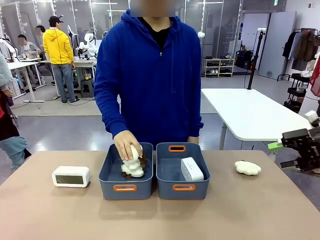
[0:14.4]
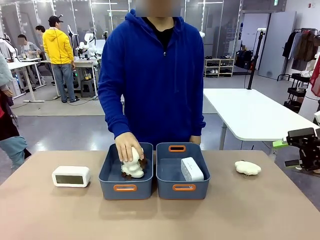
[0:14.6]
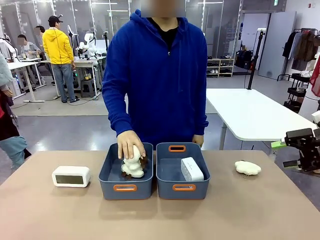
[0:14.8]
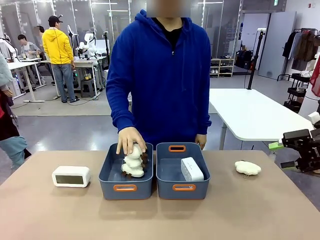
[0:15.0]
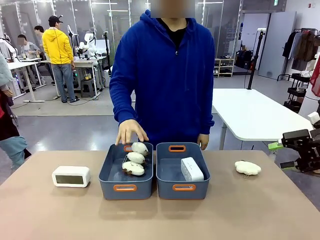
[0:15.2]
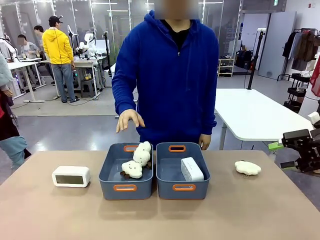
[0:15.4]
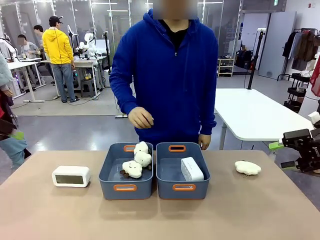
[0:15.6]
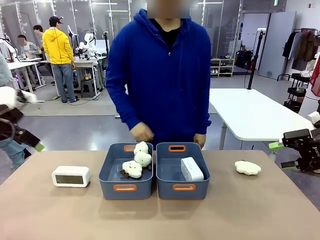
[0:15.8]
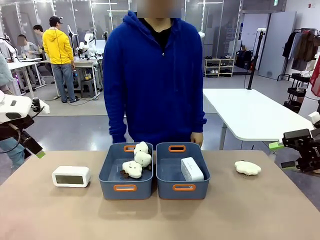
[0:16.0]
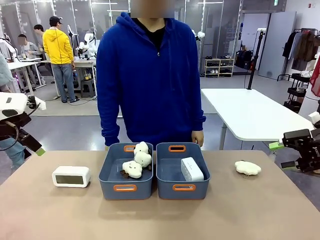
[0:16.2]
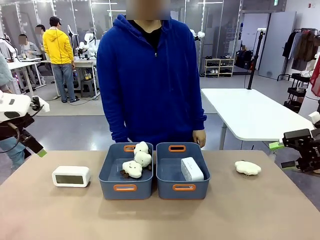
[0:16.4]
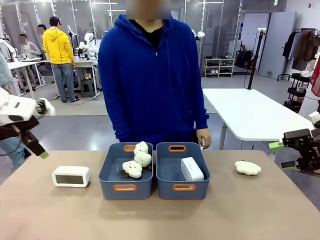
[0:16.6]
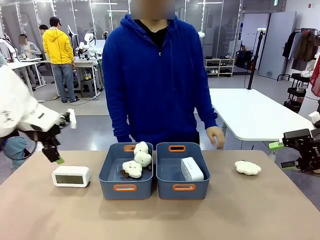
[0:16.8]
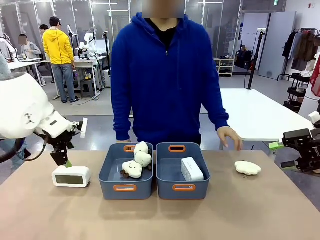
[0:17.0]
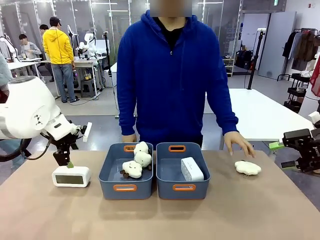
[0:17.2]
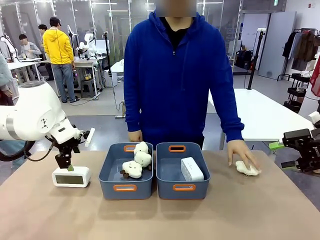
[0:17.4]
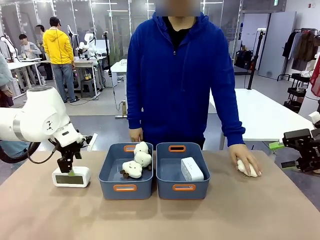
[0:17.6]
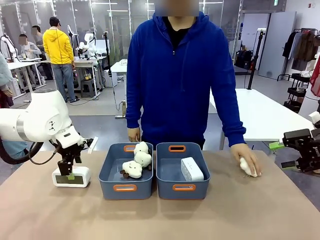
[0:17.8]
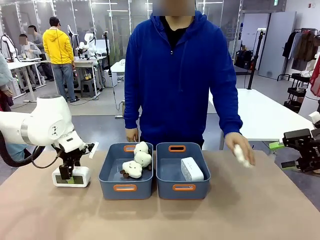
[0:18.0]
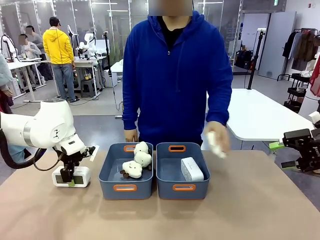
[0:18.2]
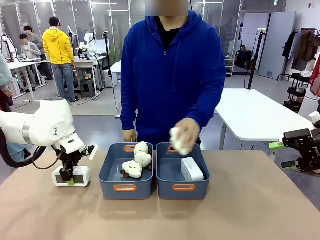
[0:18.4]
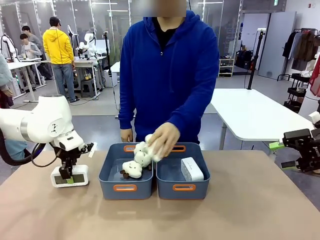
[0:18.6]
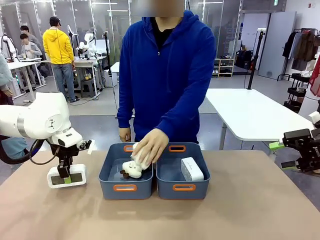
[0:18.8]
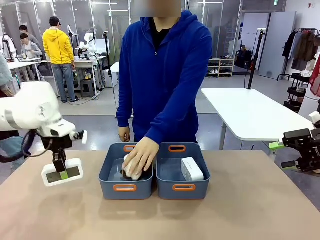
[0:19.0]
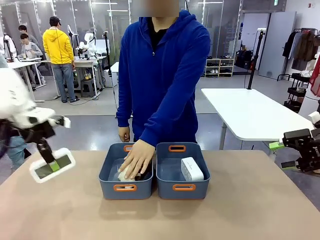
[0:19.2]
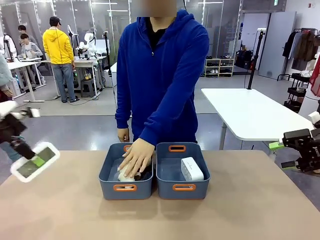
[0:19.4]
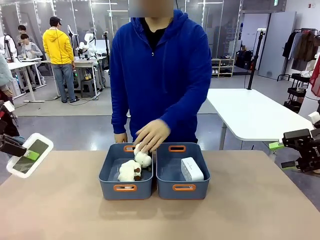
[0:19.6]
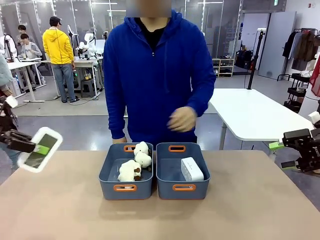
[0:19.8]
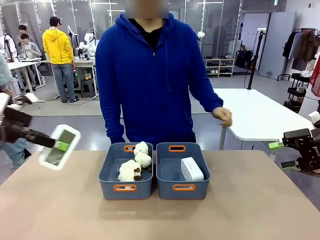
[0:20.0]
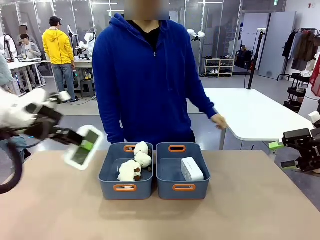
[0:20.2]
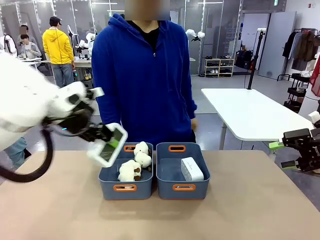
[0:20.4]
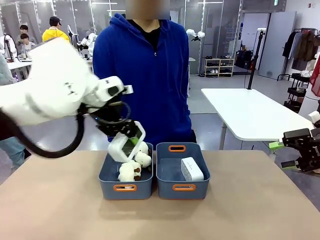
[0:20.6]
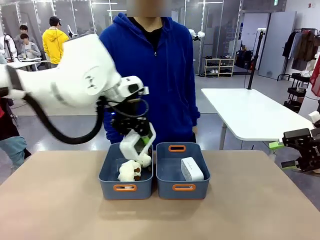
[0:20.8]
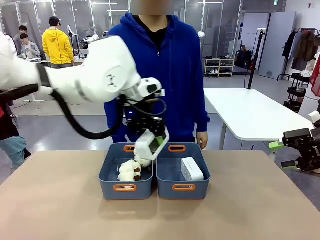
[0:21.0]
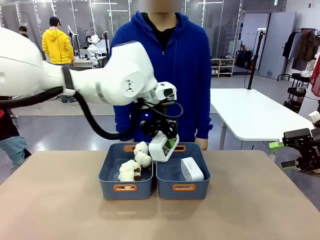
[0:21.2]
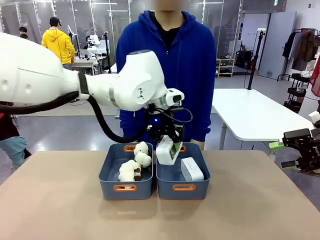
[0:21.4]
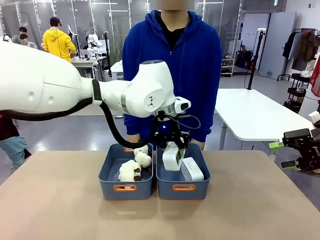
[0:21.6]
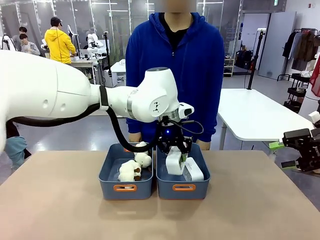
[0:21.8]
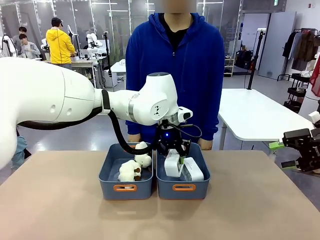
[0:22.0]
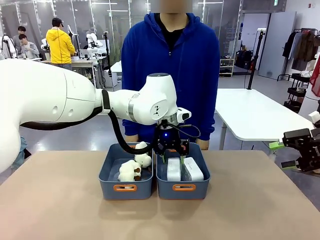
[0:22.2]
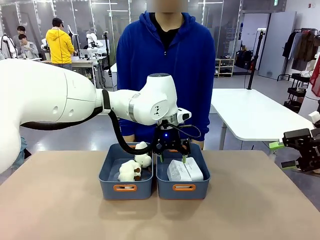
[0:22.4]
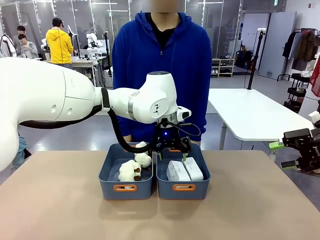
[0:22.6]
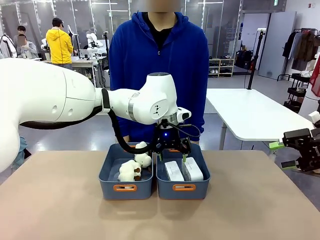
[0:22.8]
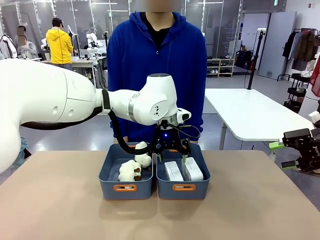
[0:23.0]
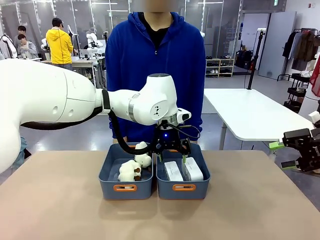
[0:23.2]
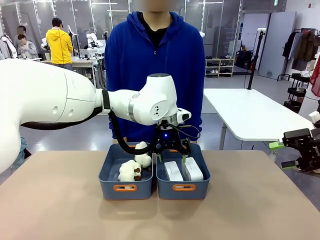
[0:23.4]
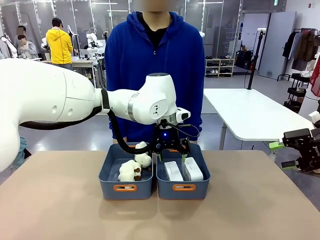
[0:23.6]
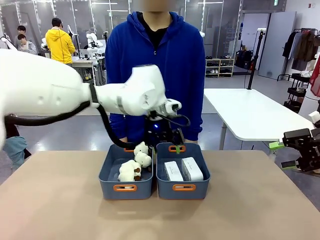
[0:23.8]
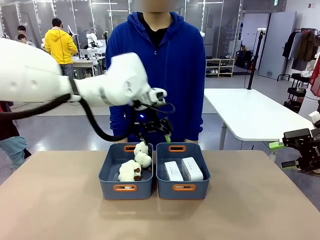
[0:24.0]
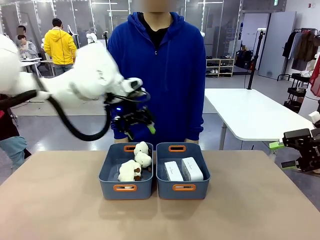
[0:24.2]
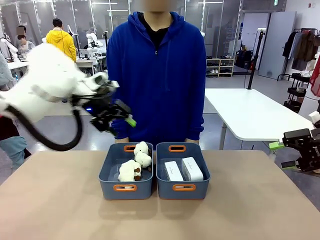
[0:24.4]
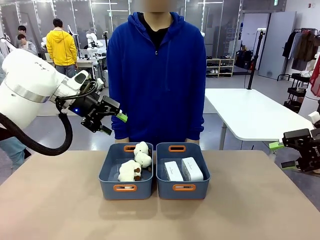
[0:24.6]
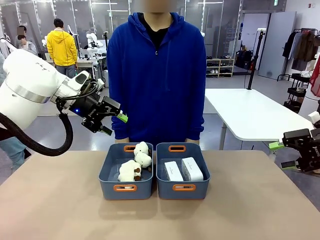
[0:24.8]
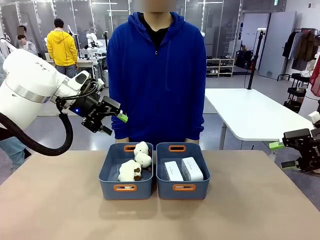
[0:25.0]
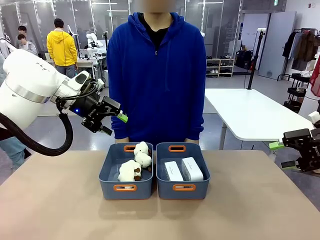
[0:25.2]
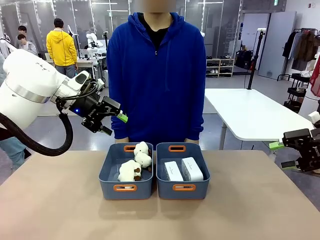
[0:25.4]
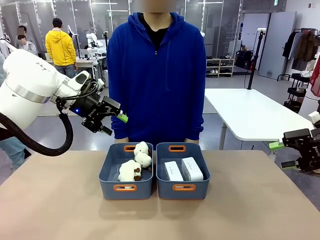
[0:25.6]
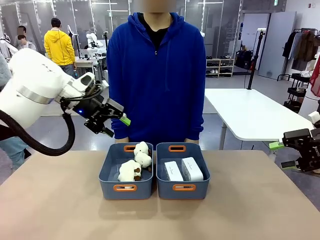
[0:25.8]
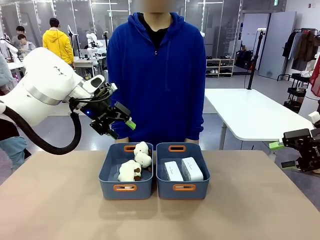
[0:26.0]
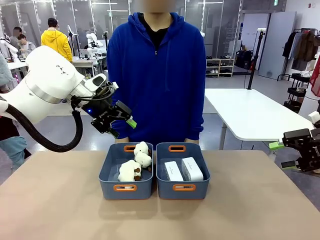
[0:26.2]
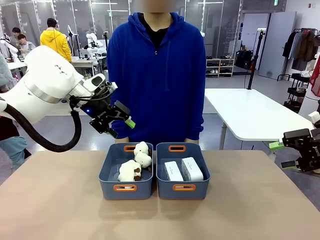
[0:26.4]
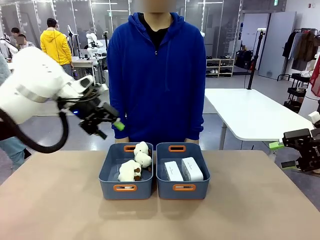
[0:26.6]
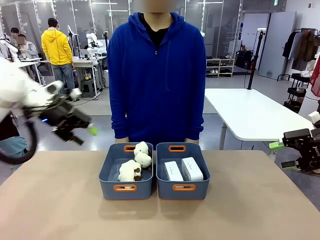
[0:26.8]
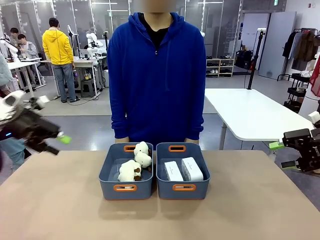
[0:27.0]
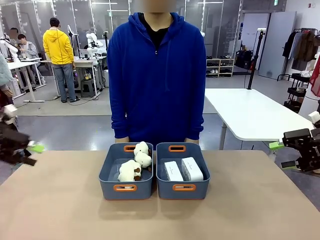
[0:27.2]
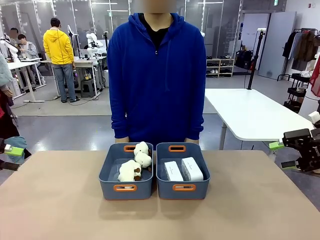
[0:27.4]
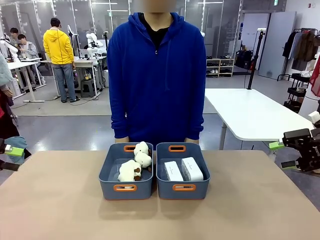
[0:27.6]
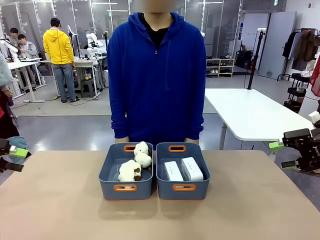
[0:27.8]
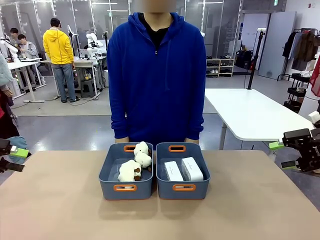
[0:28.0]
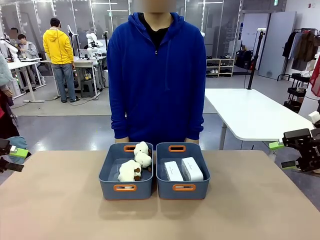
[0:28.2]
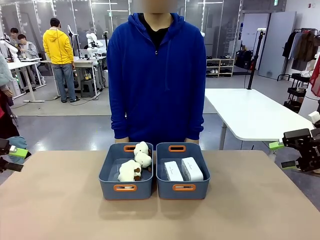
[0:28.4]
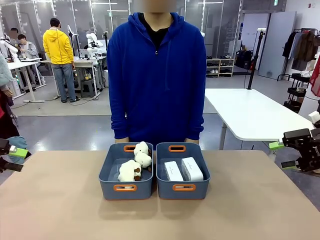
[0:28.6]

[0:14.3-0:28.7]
Task: Sort the digital clocks into the basket.
Robot: Pick up the Digital clock from the table and place it into the empty Plastic storage basket.
Person: Pick up a plush toy from the table and place it in the plastic storage basket containing the plush toy.
